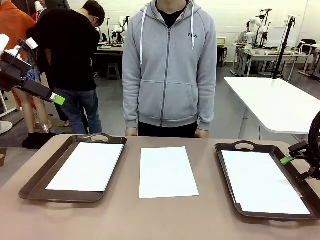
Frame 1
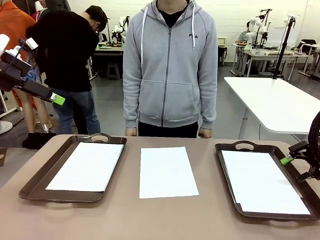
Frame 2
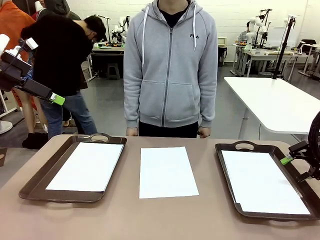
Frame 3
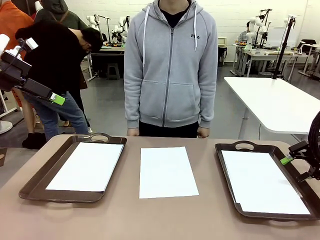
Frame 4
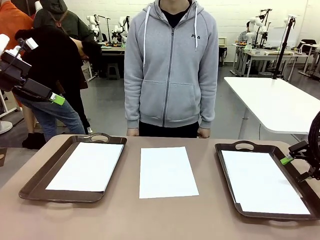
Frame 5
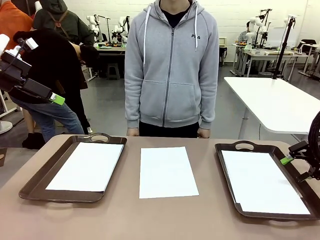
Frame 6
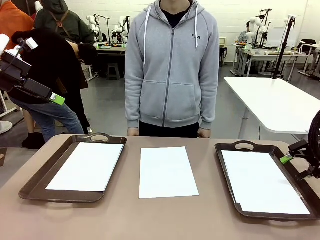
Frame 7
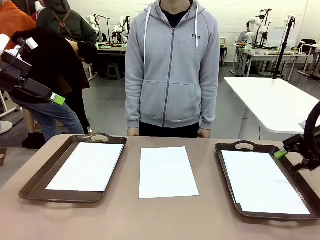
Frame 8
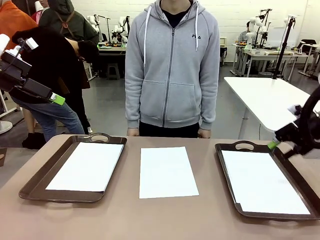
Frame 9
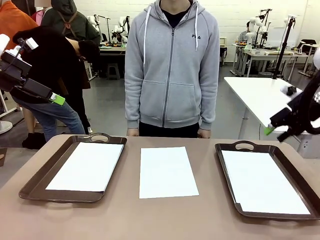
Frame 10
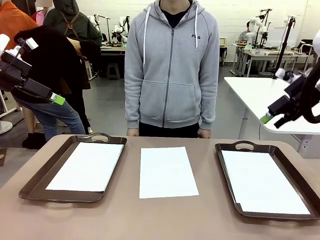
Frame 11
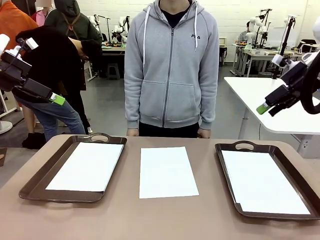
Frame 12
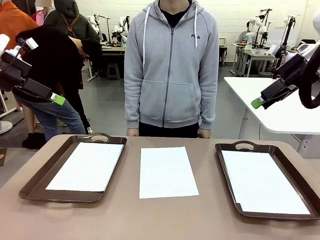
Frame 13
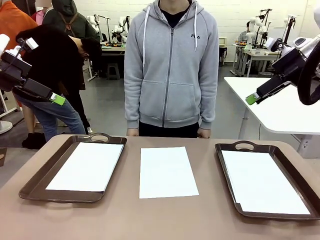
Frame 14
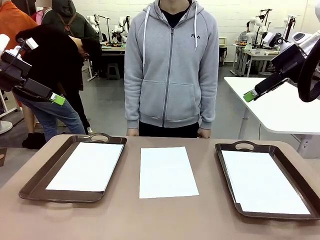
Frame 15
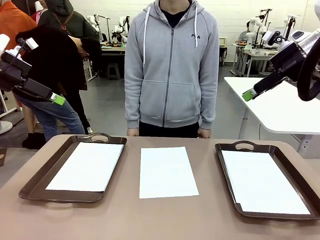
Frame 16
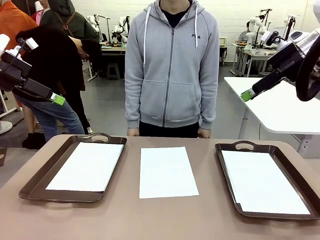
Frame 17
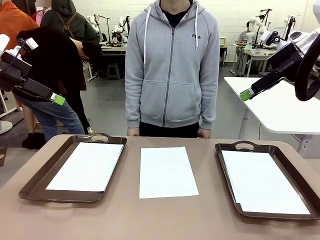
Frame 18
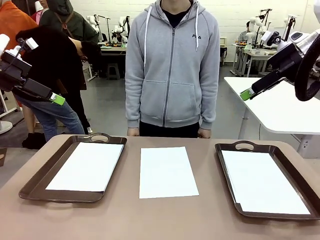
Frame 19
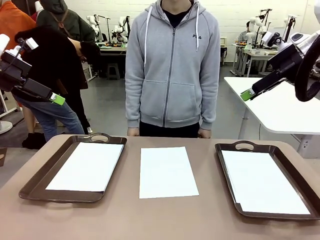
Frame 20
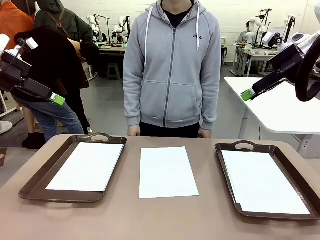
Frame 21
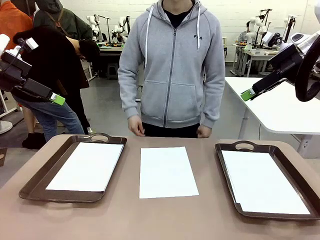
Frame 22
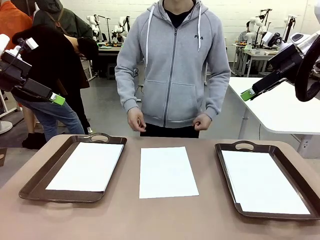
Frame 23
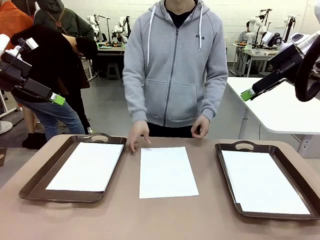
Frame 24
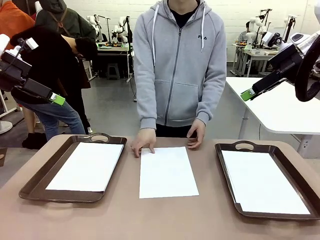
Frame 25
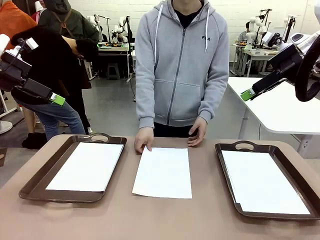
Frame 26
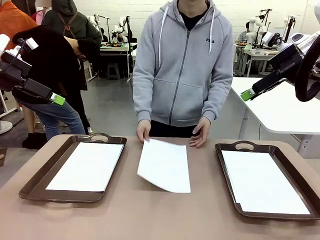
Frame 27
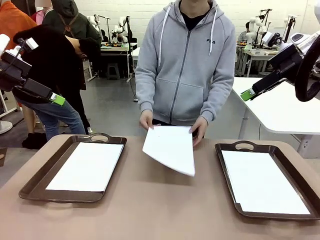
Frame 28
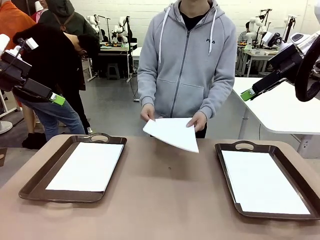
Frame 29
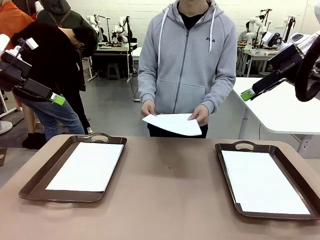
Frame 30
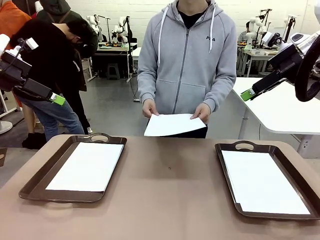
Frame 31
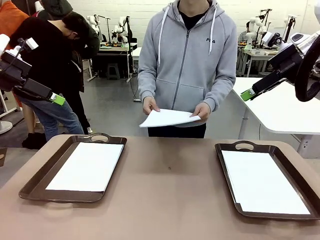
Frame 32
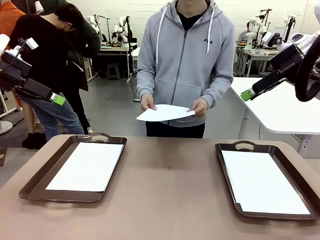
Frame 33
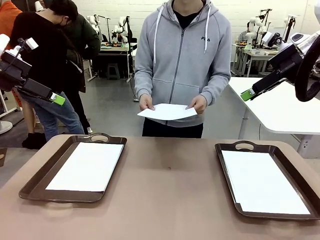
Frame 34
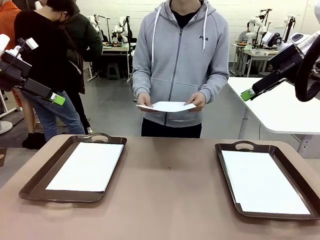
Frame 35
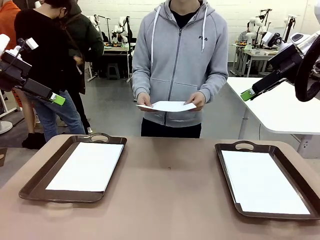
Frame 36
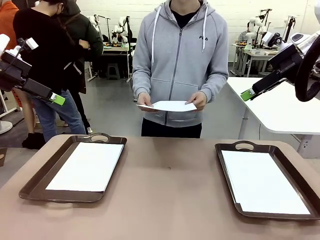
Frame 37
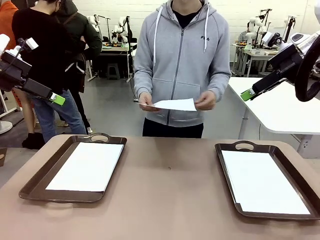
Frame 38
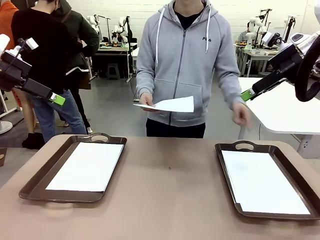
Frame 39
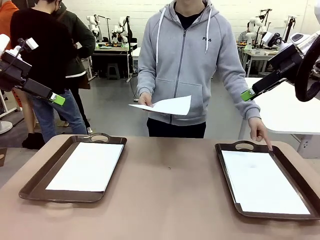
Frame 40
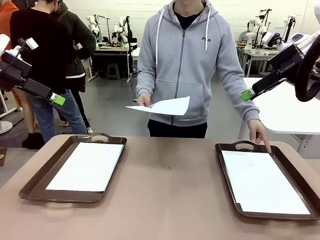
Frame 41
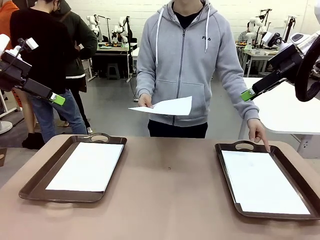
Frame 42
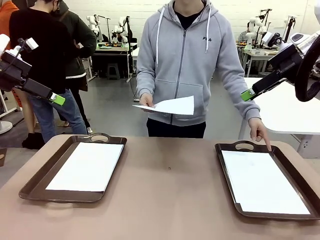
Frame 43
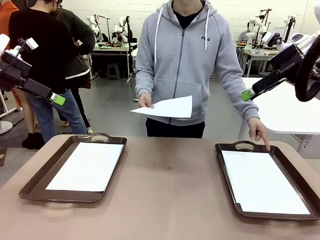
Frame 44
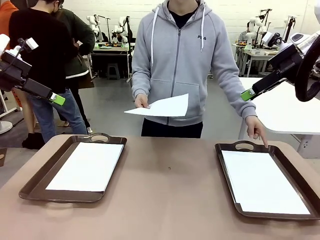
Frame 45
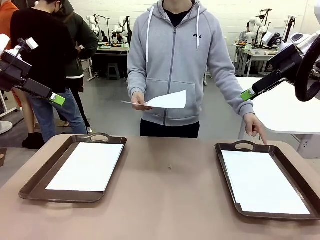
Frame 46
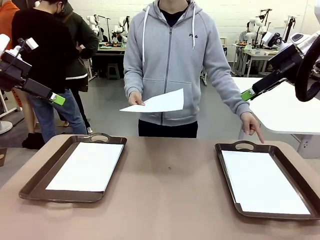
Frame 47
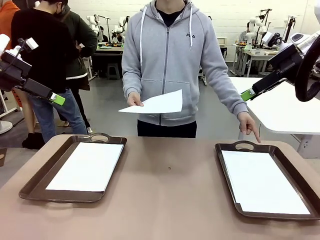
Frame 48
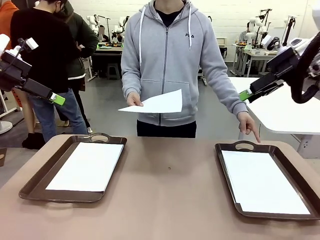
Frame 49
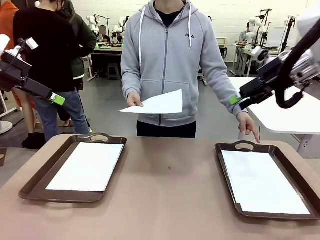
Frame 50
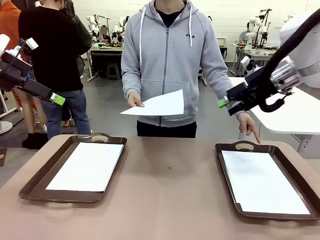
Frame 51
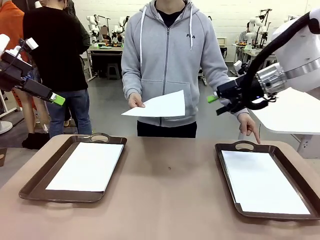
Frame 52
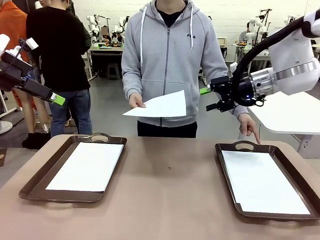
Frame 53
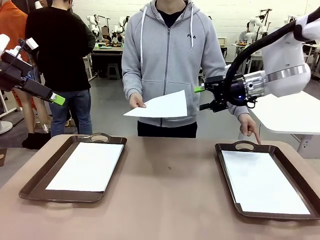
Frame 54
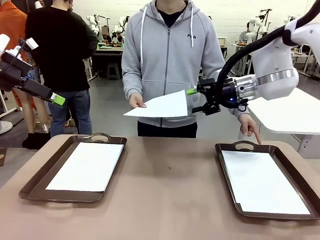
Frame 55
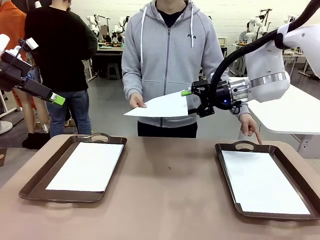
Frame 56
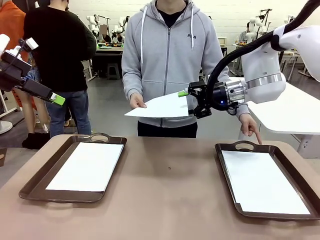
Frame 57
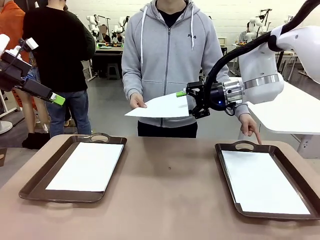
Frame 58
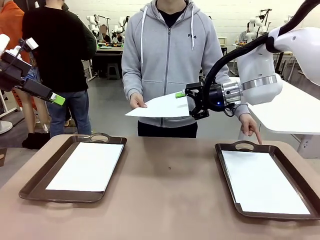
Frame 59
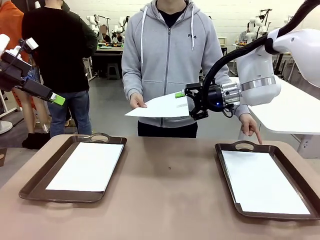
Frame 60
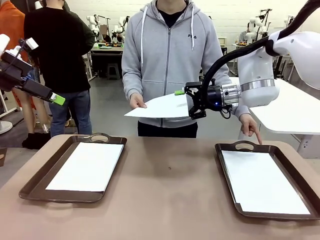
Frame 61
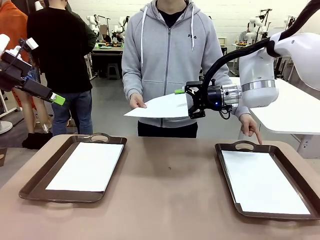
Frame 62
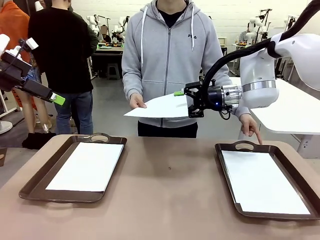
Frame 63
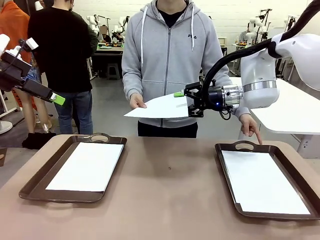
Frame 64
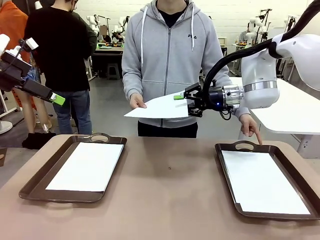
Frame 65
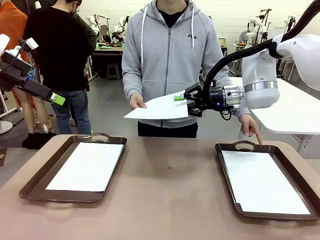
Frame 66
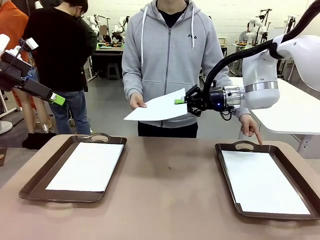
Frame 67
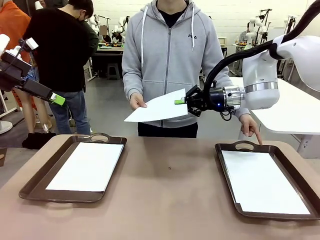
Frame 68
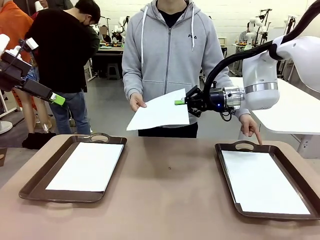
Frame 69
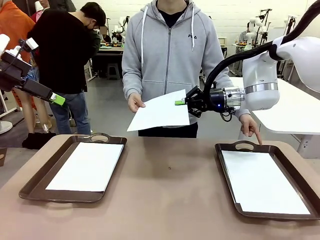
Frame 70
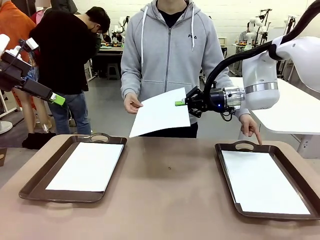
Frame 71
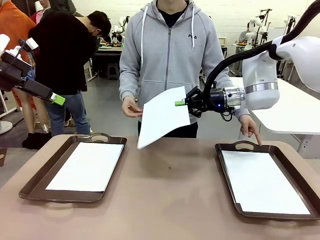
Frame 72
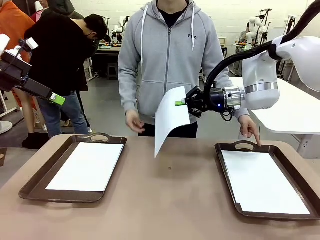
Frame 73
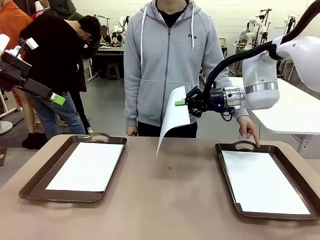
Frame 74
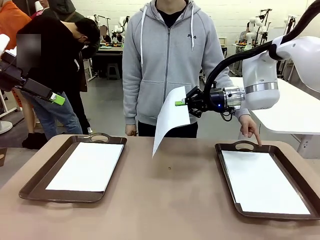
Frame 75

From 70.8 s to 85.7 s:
Task: Sort the A4 documents.
Robot: Receive the A4 Paper.
